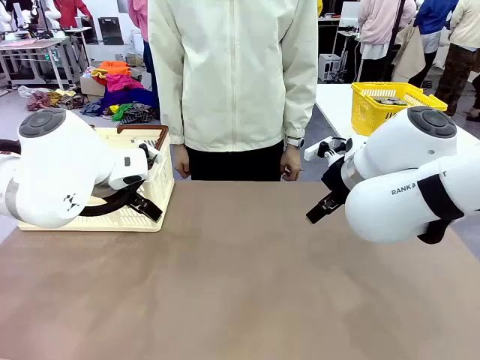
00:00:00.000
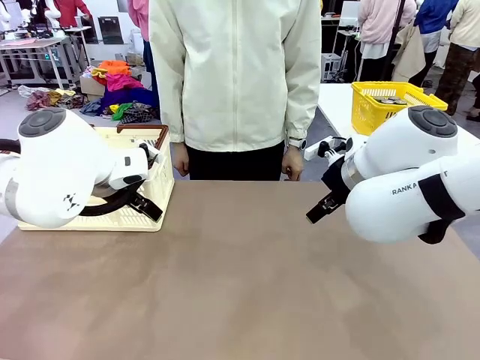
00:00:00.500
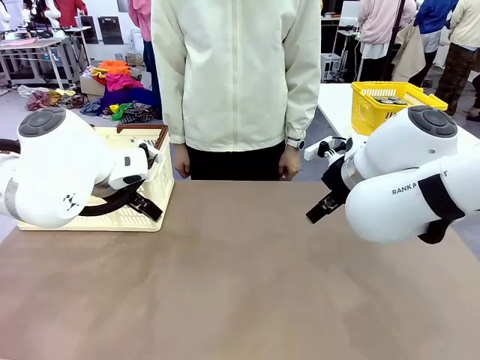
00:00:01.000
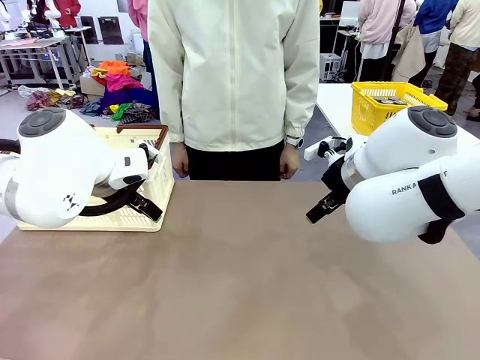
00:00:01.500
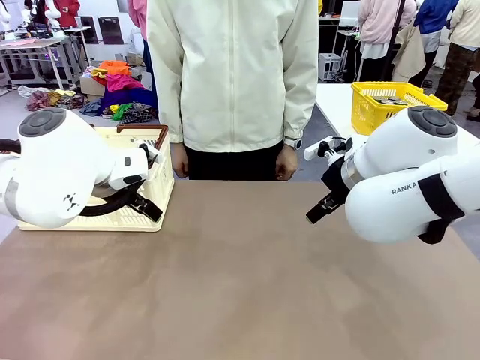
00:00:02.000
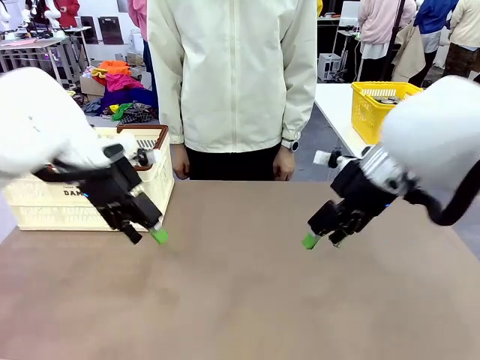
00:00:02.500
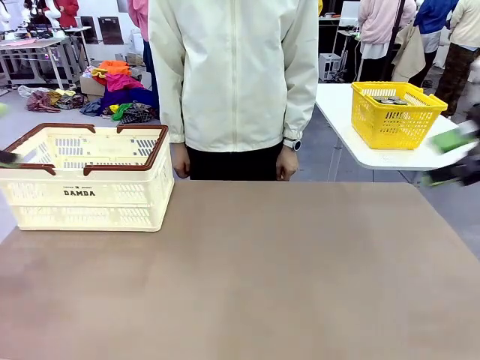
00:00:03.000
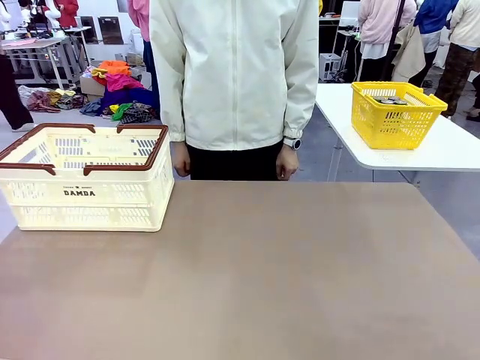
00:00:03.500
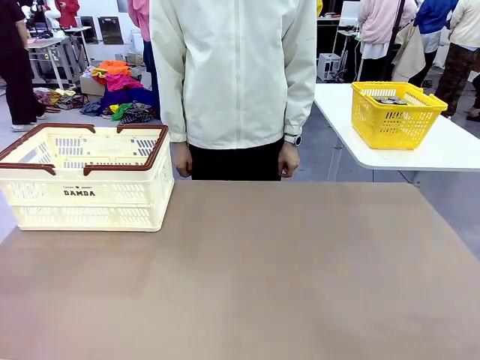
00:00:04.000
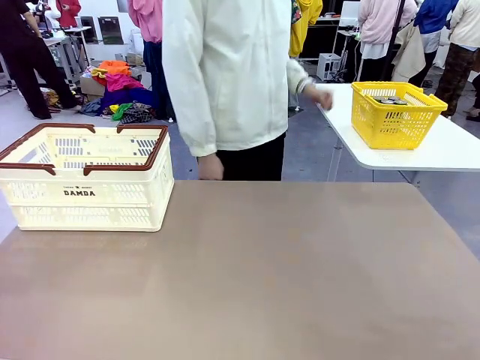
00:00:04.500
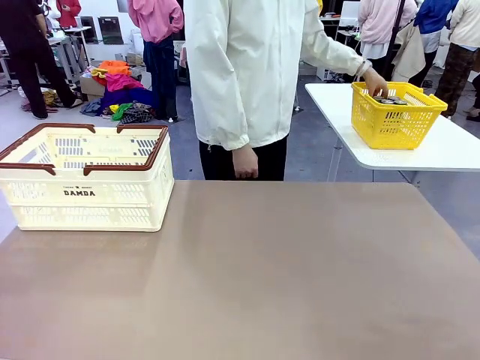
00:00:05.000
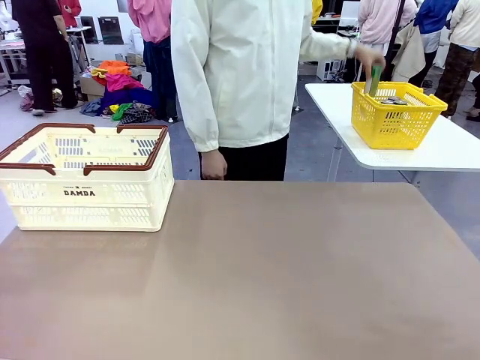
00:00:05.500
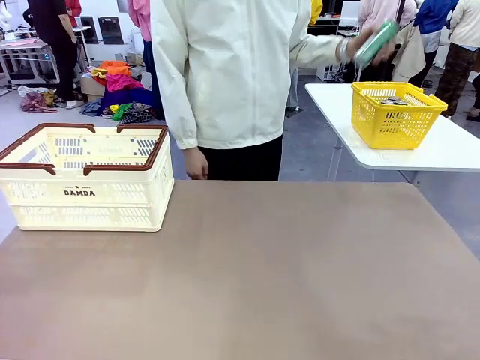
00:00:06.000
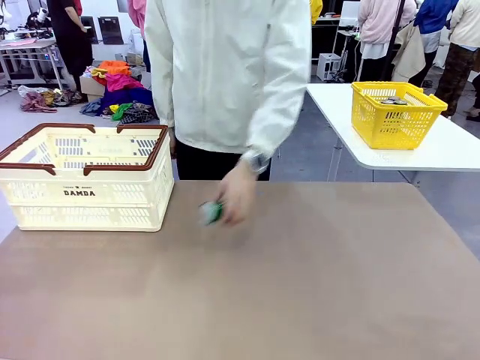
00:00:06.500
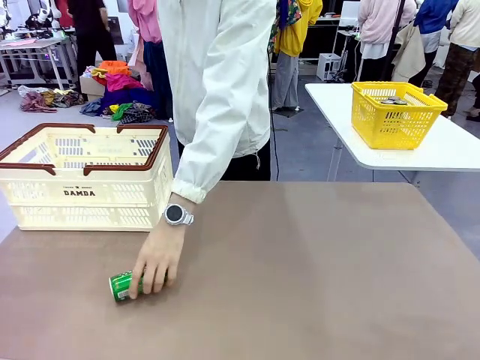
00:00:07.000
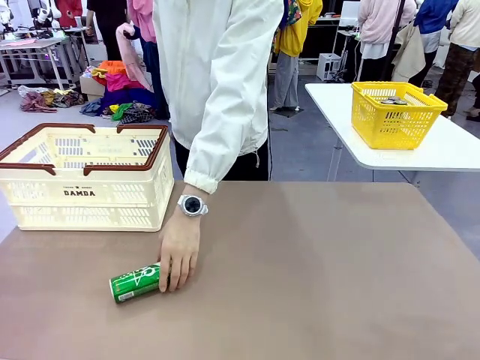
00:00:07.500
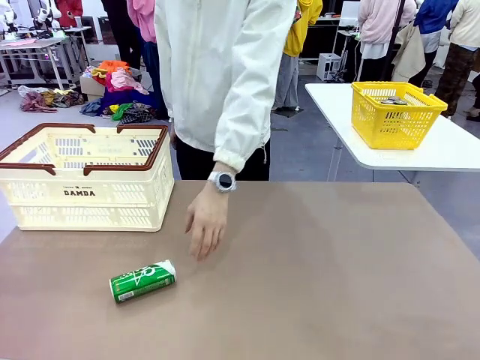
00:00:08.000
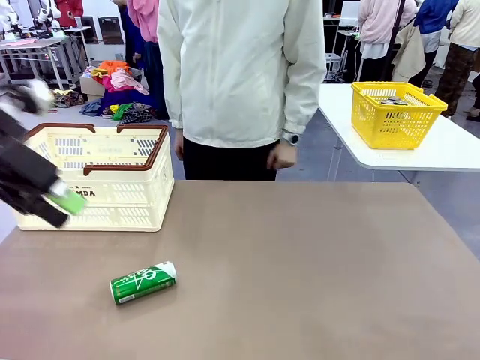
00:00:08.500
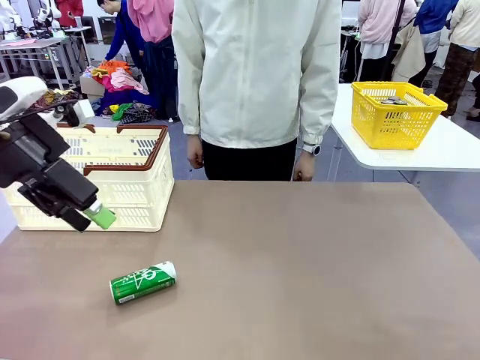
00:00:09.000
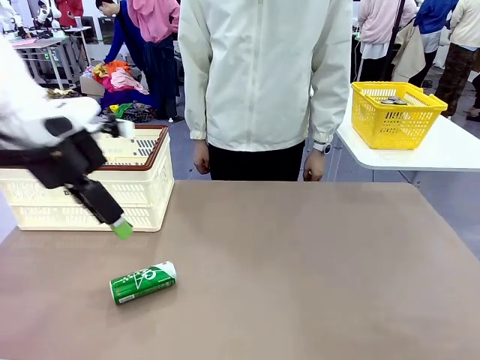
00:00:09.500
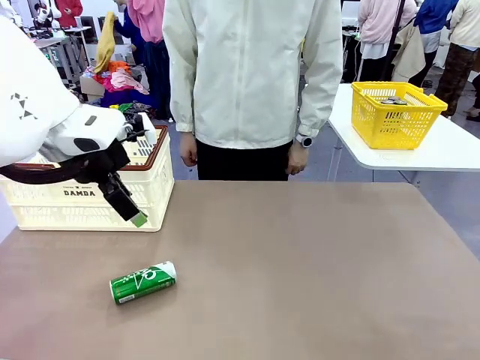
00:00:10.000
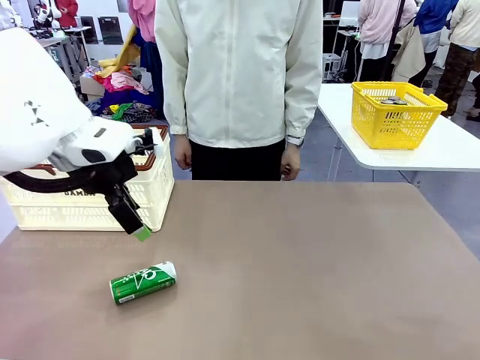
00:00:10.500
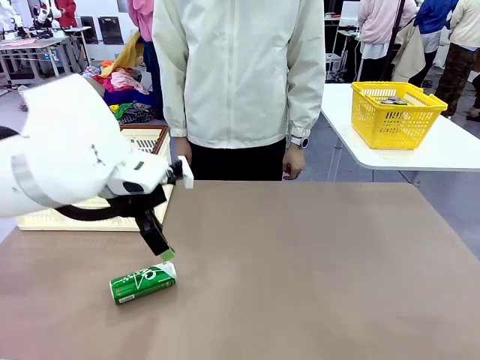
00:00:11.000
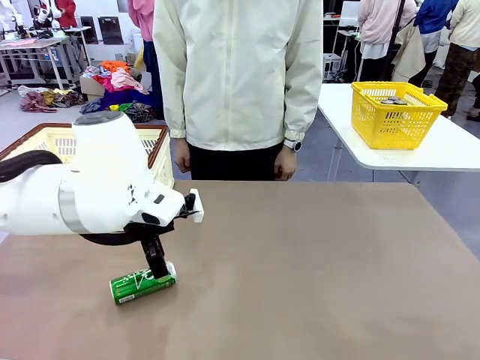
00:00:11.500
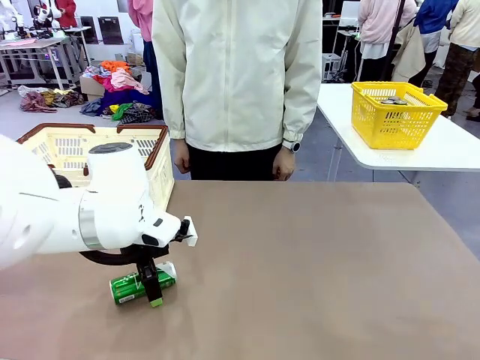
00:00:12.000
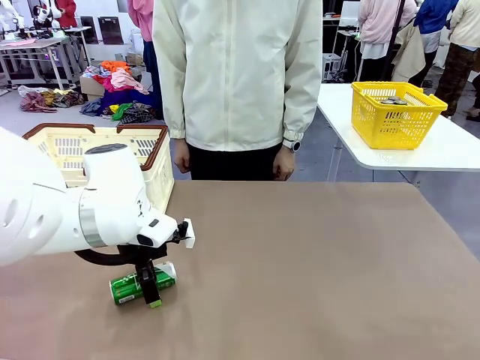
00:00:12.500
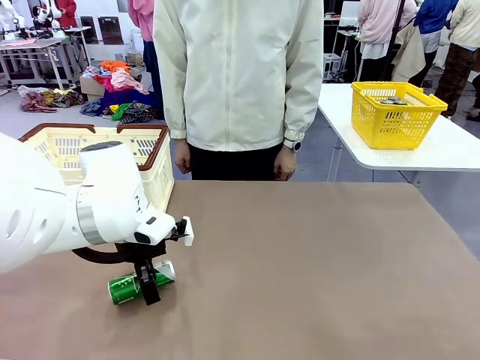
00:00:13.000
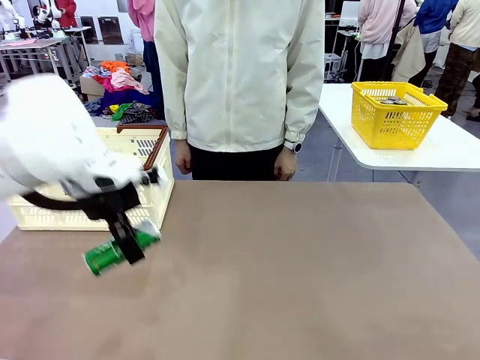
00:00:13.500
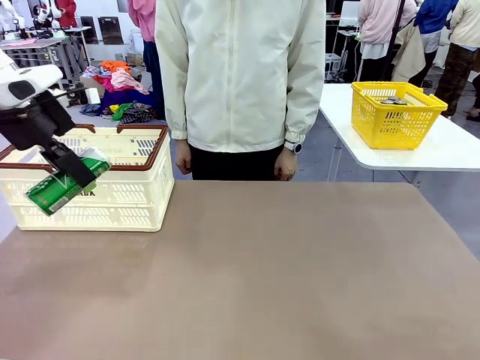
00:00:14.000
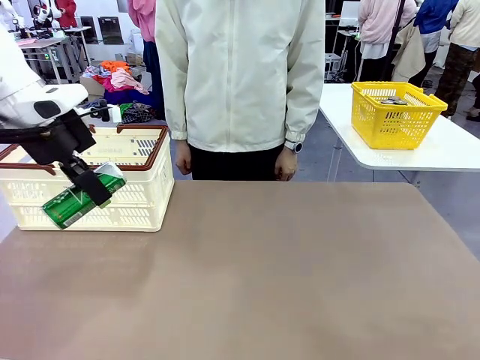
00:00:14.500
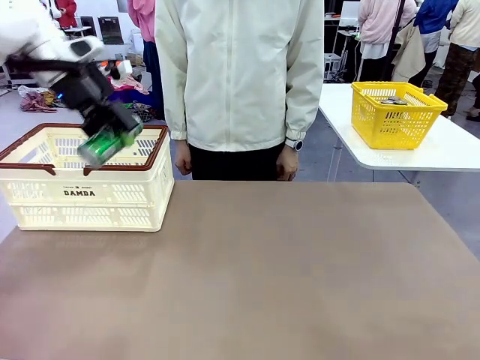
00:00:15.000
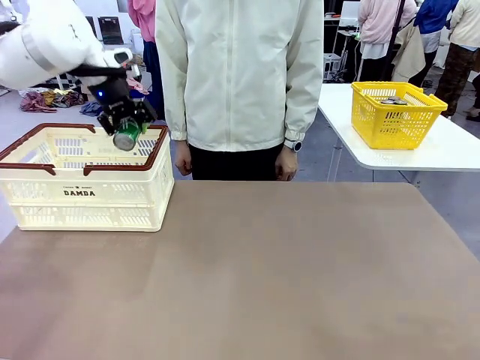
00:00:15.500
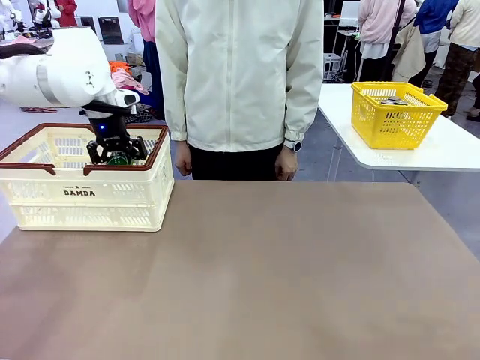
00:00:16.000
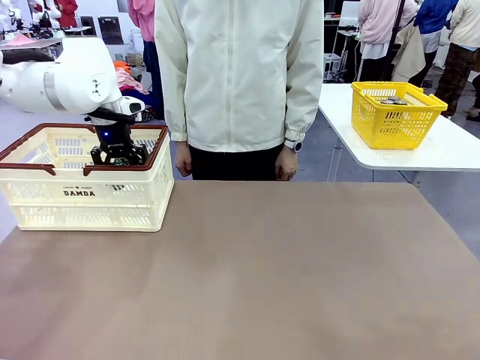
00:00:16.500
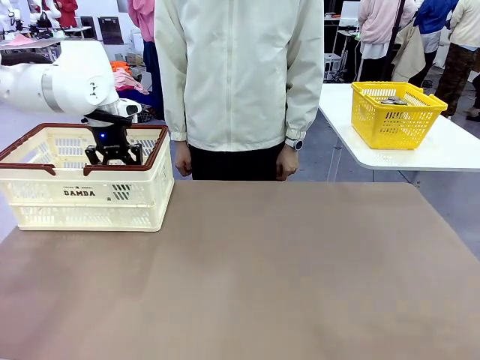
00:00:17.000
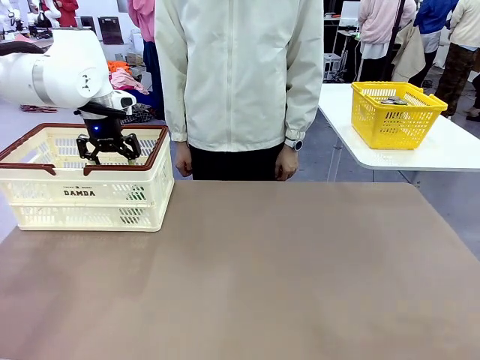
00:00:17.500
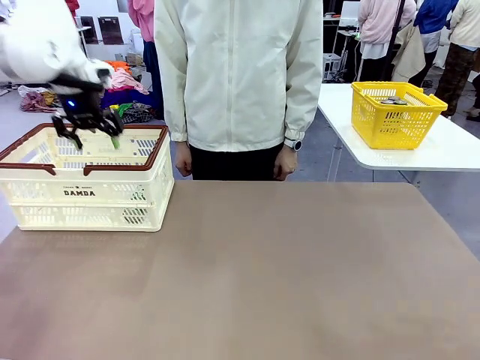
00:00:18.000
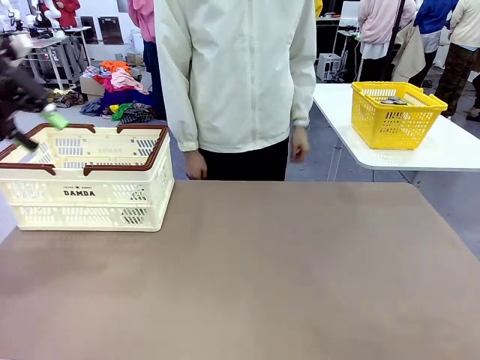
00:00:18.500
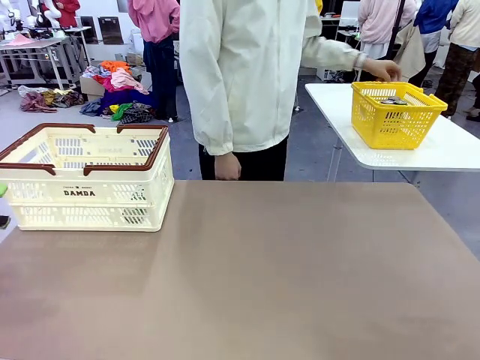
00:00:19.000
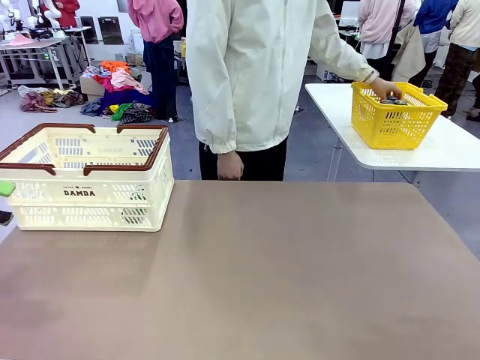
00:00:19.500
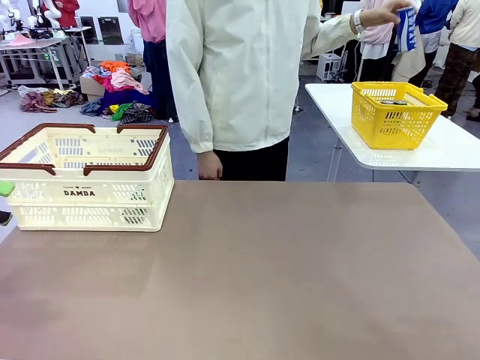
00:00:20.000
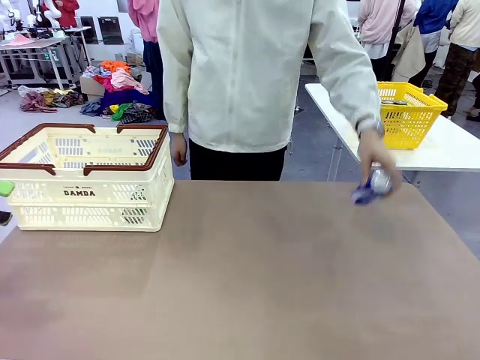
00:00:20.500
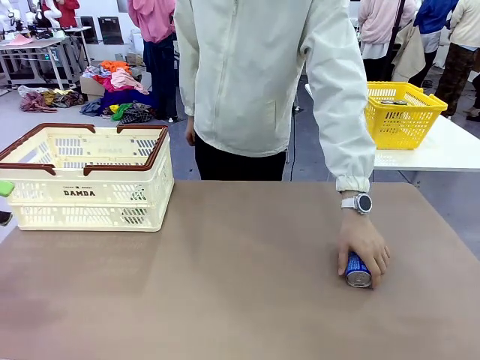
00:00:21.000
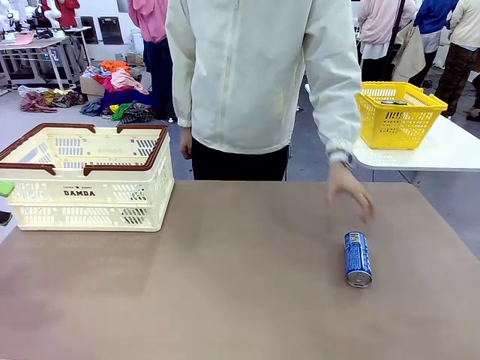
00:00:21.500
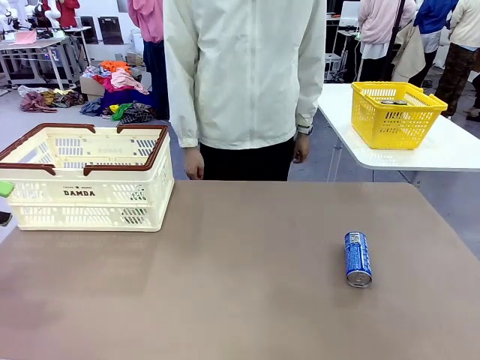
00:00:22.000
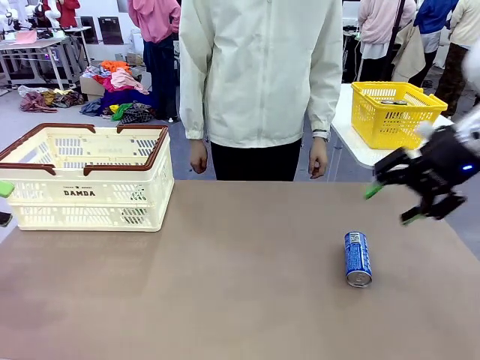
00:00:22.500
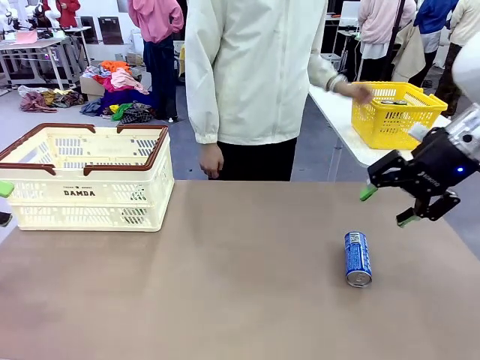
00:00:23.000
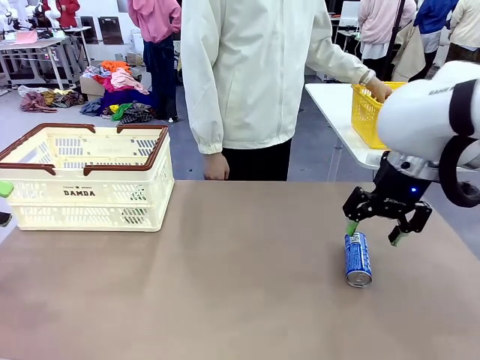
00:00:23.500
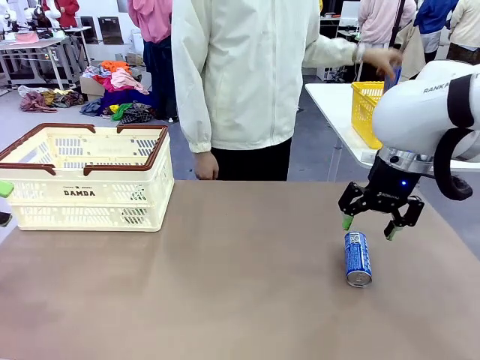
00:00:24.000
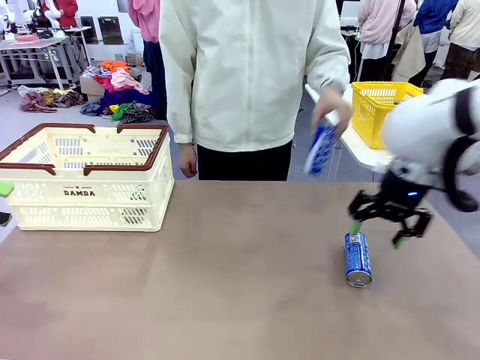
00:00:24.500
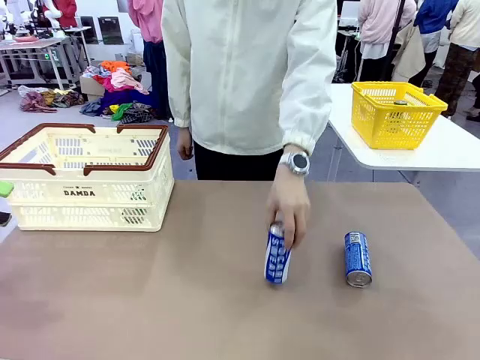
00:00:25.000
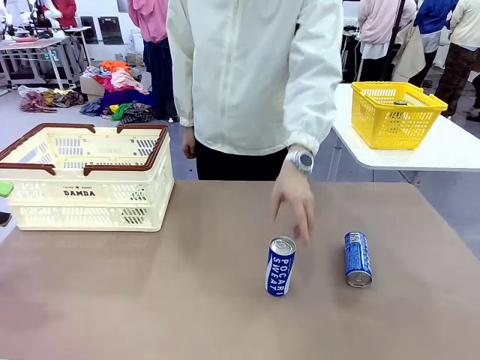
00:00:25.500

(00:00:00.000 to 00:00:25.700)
Task: Place the drinks into the Shopping basket.
Robot: Pick up one drink and place it into the Shopping basket.
